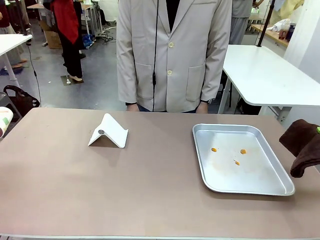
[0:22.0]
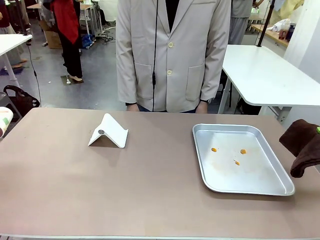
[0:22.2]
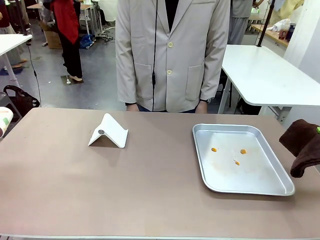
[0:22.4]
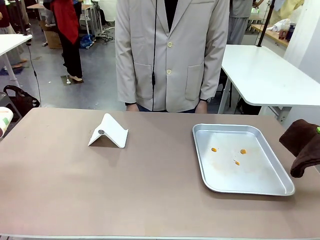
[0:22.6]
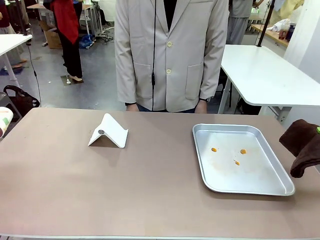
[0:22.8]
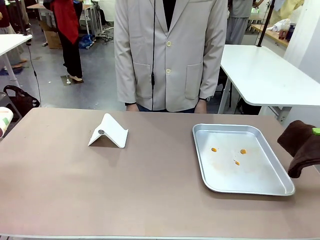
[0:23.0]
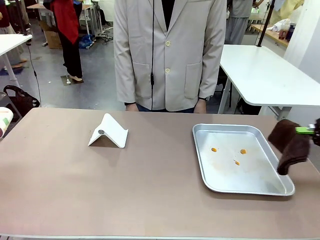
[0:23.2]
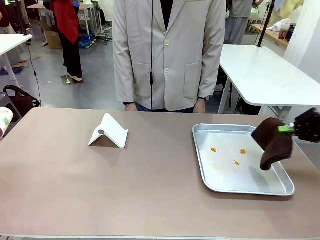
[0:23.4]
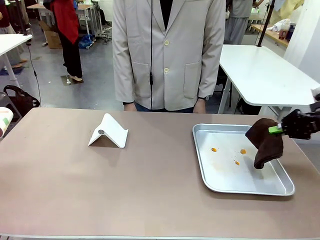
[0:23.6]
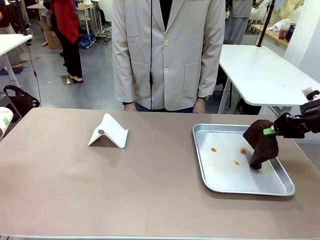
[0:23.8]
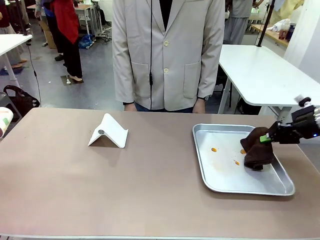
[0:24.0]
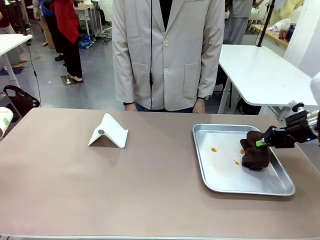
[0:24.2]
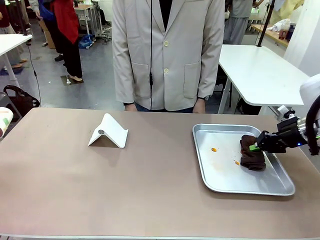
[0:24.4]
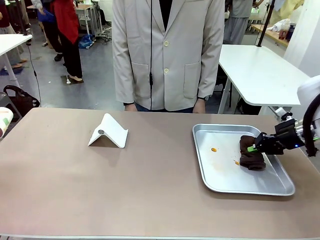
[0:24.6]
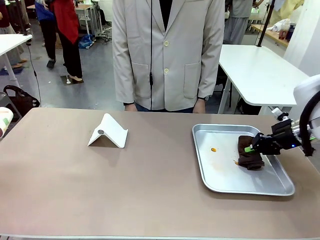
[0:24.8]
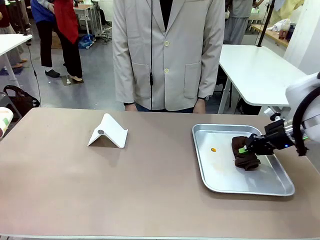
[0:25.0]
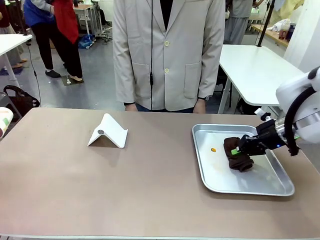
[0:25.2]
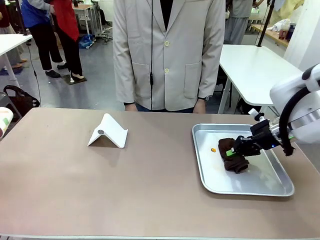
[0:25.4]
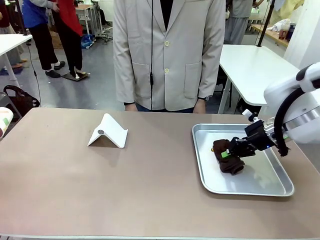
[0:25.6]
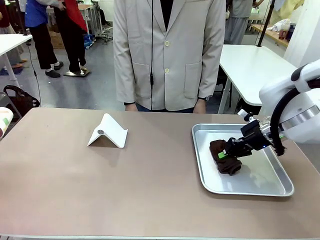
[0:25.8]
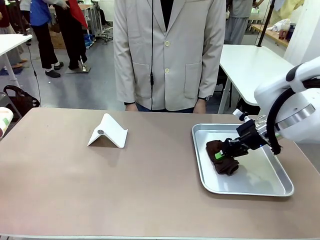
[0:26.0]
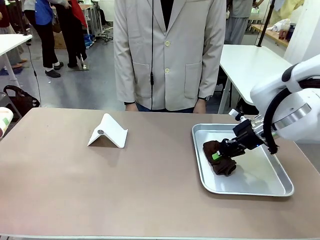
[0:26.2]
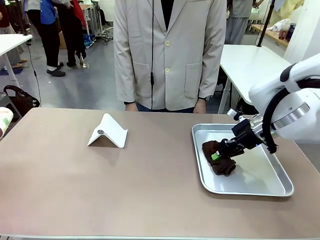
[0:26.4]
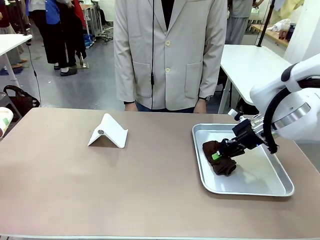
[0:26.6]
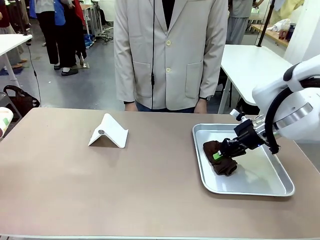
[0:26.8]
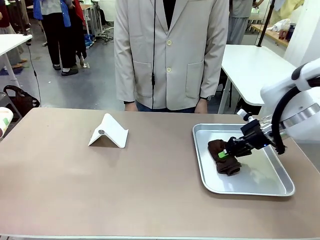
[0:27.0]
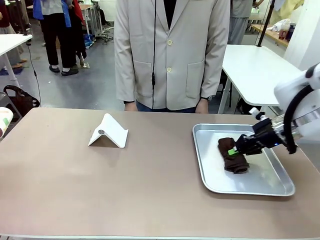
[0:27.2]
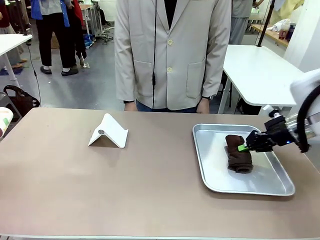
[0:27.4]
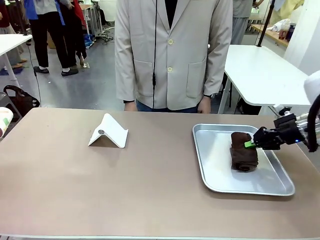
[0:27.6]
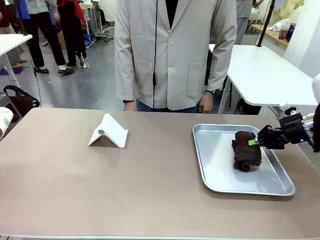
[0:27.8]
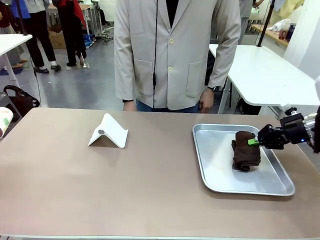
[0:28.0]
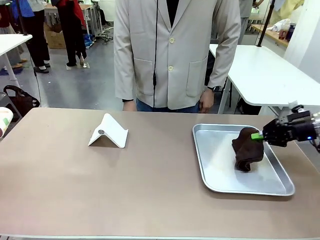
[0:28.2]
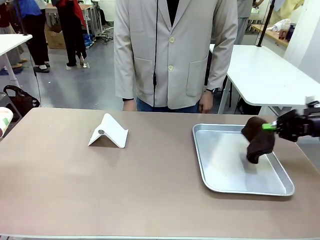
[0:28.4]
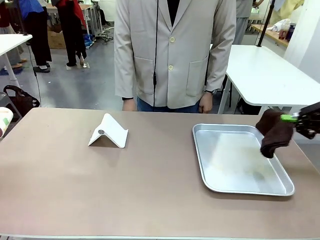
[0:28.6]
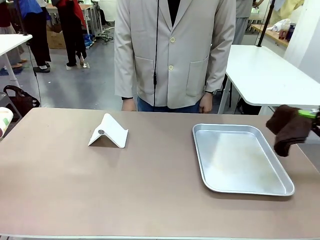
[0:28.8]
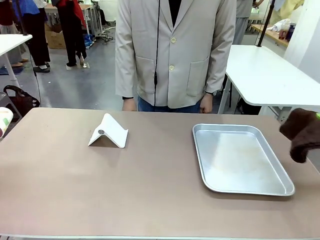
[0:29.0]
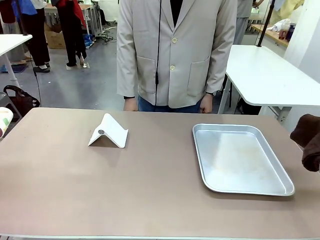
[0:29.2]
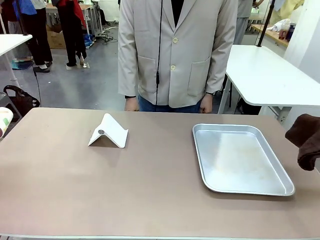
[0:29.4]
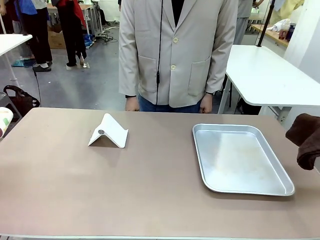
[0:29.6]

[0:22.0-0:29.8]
Task: Clean the surface of the table.
Robot: Clean the area not pointed to by the person.

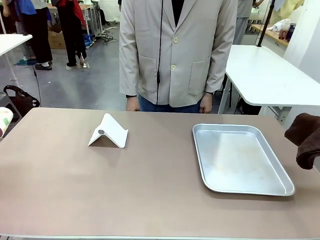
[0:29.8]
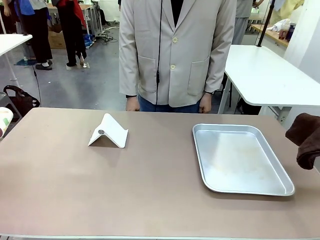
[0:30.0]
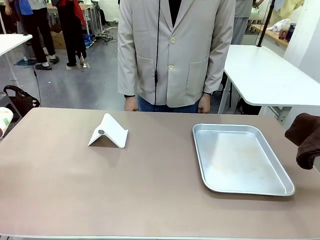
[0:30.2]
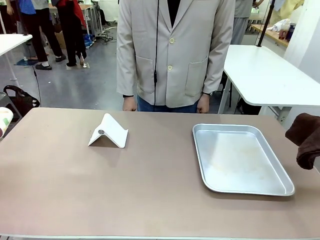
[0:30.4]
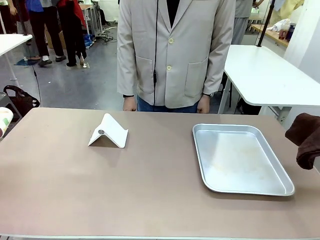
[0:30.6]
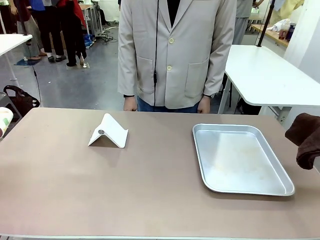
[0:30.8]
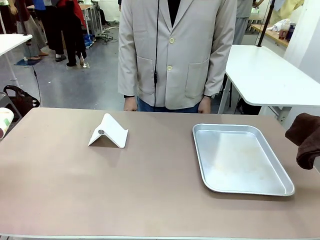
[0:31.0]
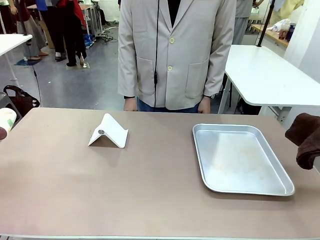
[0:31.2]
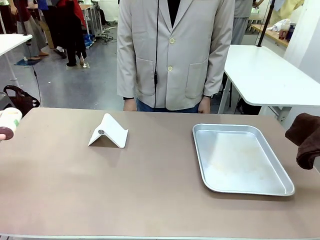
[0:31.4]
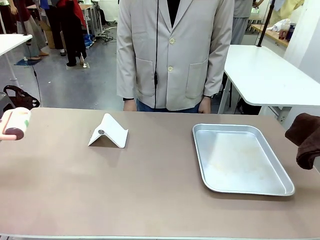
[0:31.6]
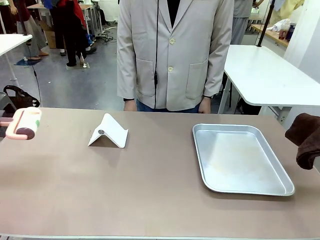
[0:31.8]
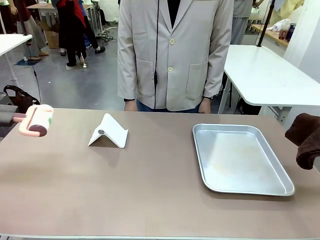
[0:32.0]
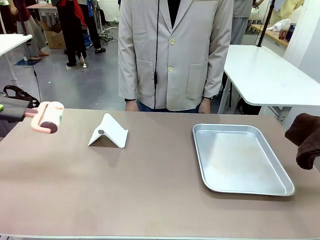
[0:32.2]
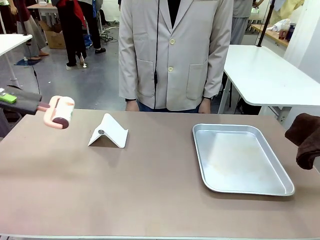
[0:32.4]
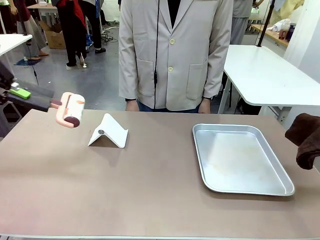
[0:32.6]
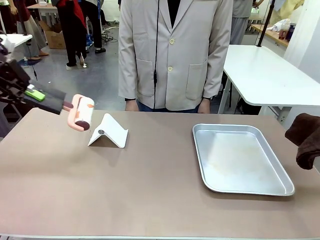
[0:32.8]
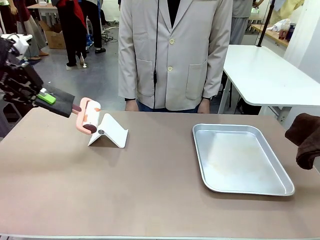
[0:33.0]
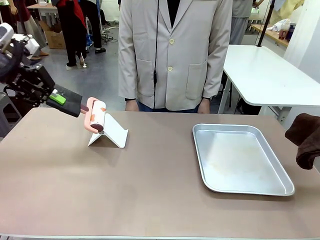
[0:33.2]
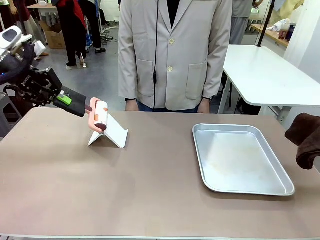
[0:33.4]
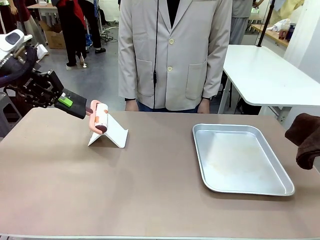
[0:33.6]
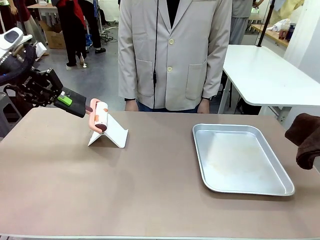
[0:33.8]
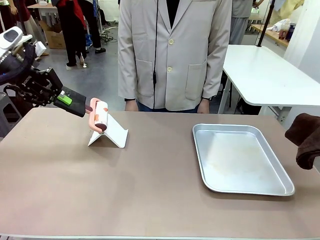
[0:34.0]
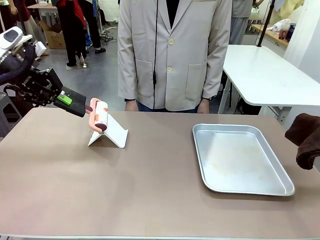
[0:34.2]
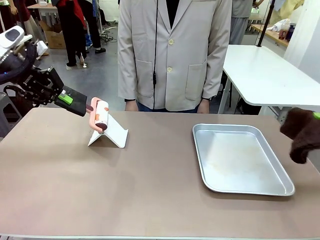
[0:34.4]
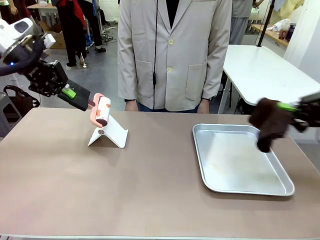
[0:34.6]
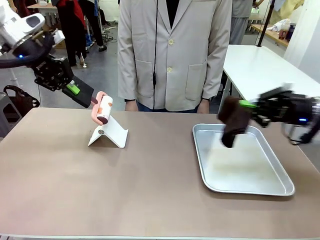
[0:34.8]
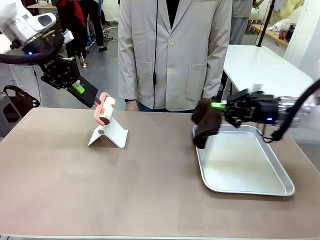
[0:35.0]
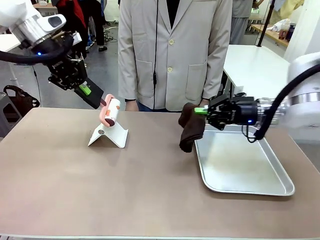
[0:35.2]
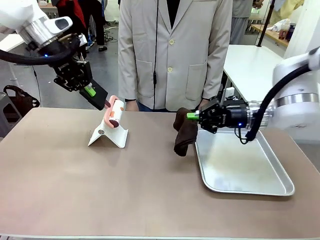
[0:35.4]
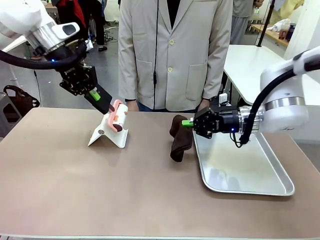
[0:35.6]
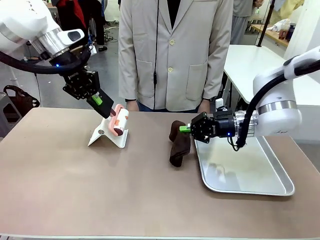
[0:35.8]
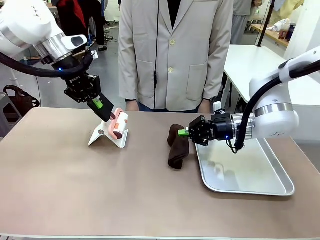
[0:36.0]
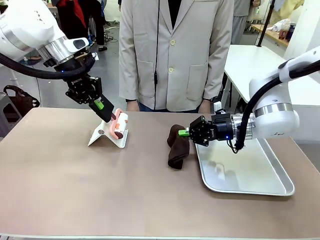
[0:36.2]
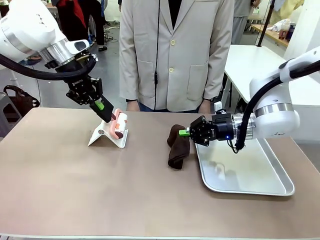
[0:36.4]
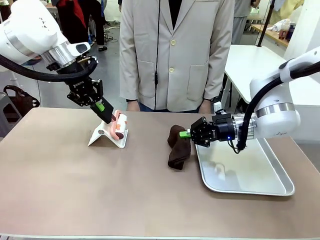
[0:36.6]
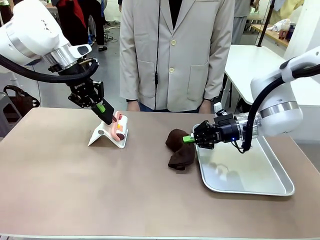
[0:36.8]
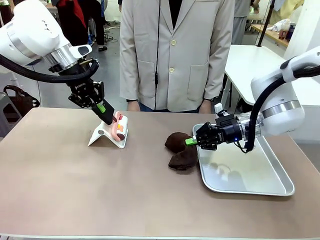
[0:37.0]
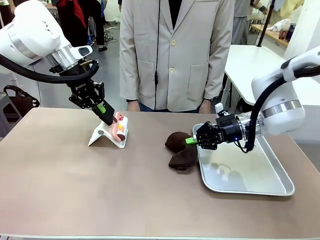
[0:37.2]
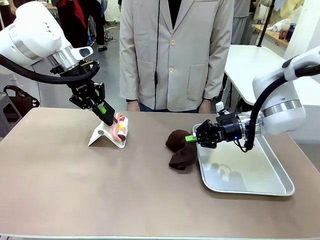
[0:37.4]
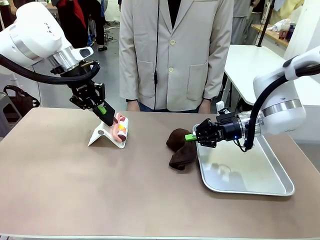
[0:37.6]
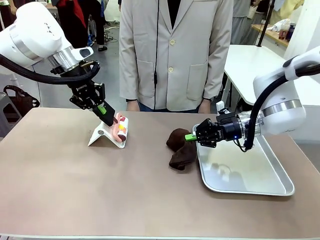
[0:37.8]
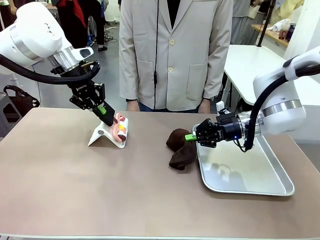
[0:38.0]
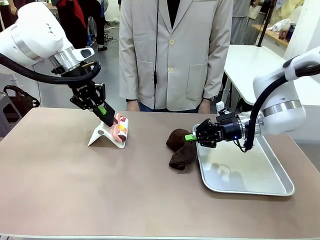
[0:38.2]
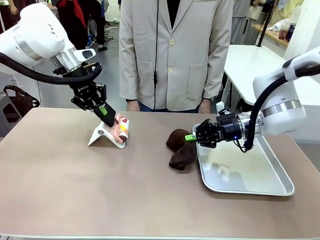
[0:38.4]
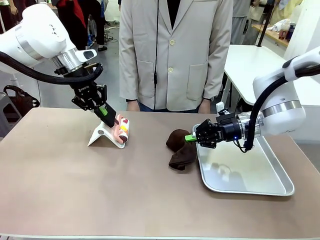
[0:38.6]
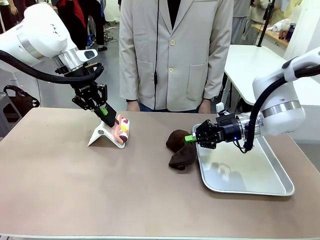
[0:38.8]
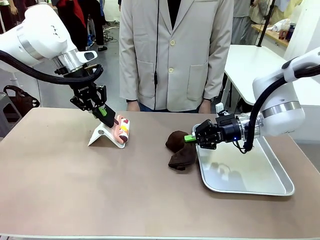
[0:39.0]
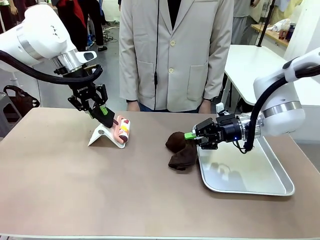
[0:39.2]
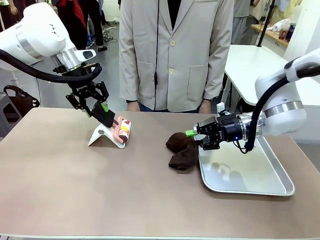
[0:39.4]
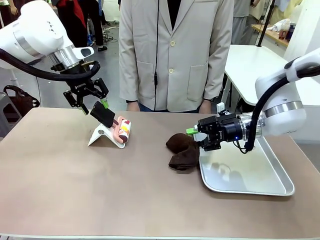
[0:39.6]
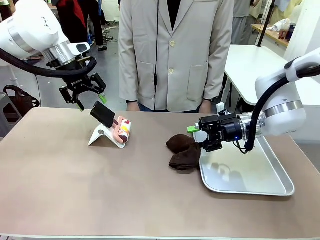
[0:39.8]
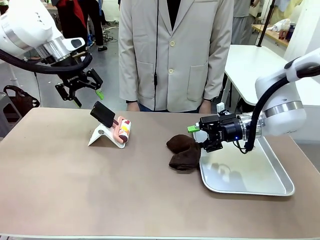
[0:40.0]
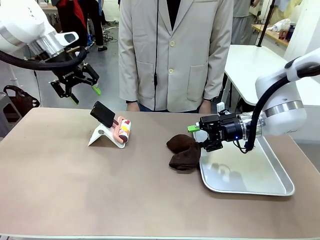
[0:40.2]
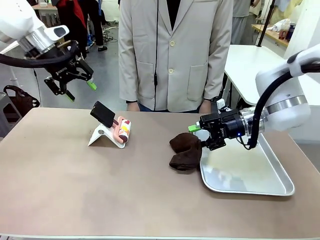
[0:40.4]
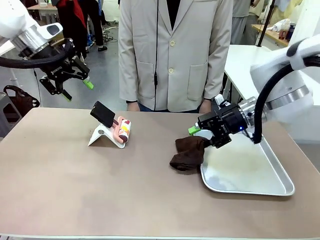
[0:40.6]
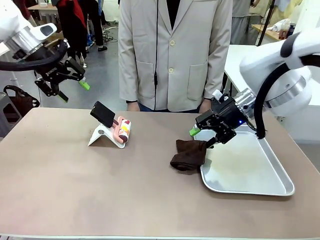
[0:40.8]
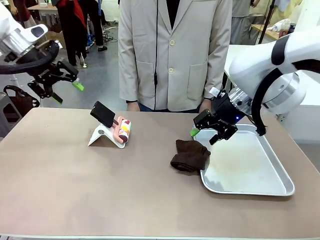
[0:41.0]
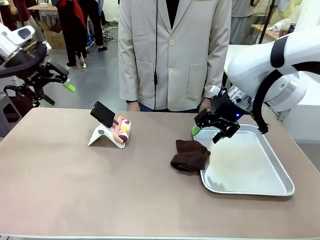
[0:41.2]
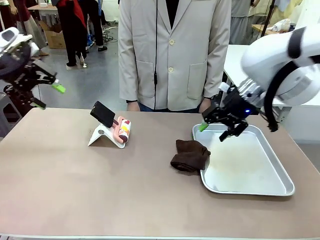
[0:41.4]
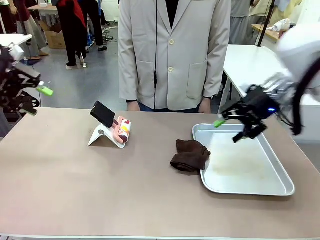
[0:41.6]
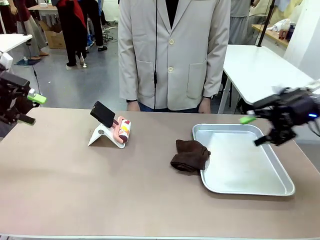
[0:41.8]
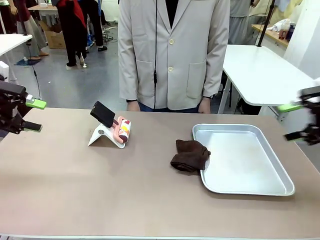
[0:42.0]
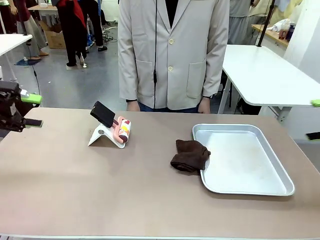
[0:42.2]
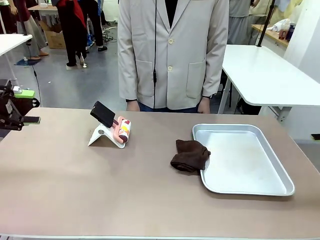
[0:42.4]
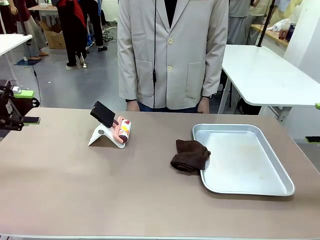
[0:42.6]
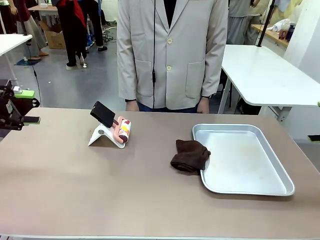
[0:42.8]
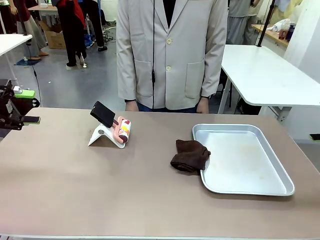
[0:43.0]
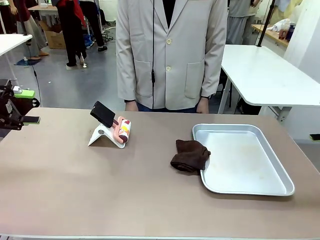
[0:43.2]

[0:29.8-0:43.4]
Robot: Return the Lint Roller and towel to their original positions.
